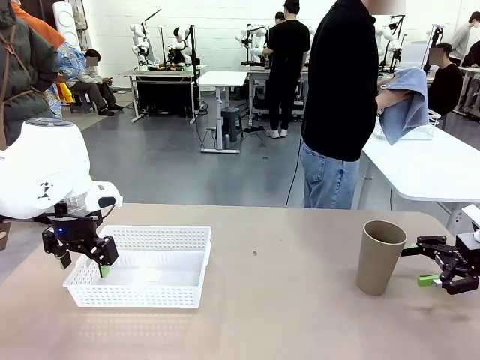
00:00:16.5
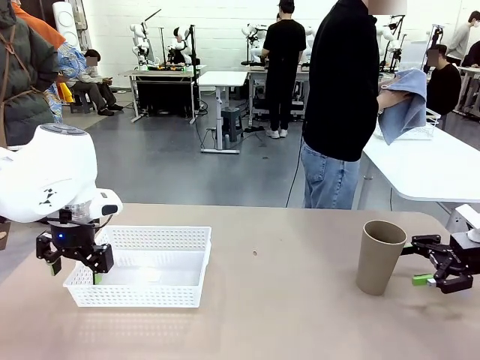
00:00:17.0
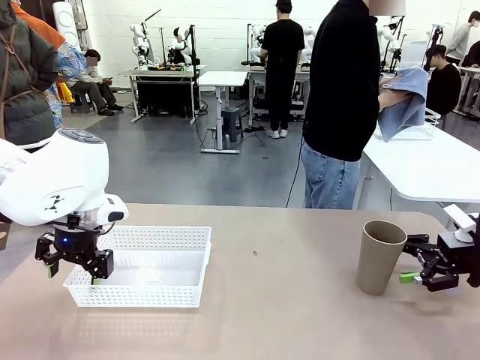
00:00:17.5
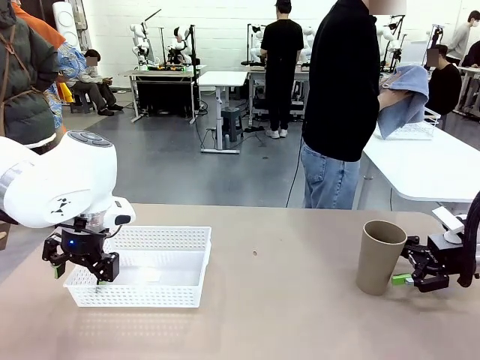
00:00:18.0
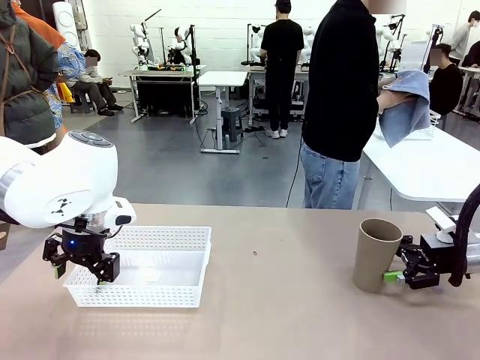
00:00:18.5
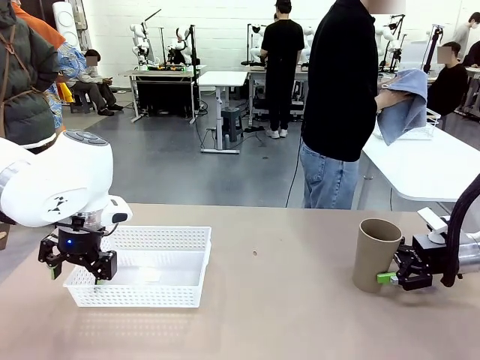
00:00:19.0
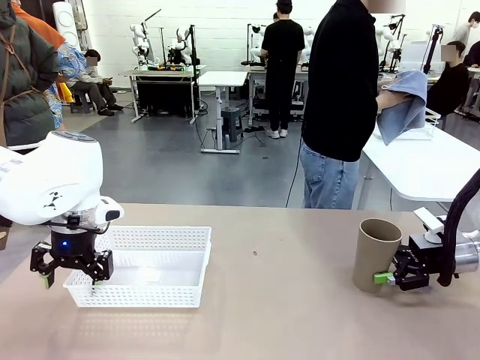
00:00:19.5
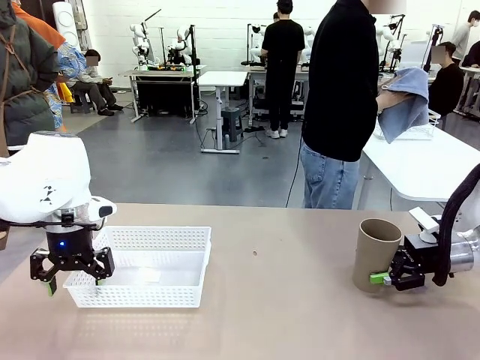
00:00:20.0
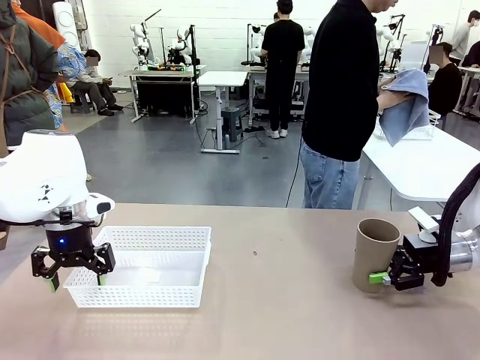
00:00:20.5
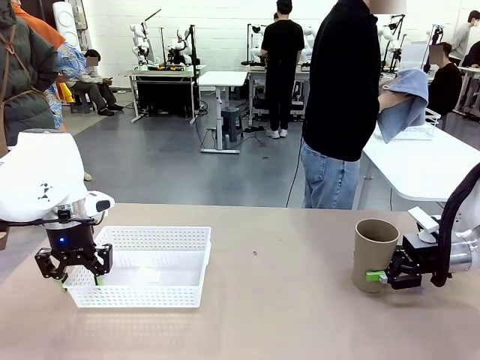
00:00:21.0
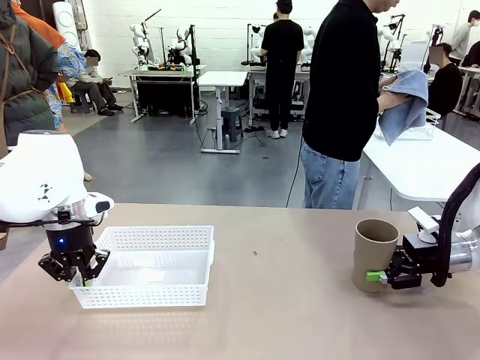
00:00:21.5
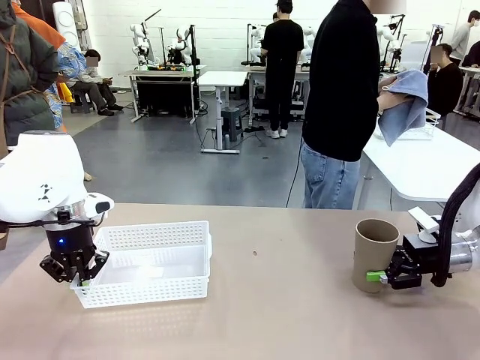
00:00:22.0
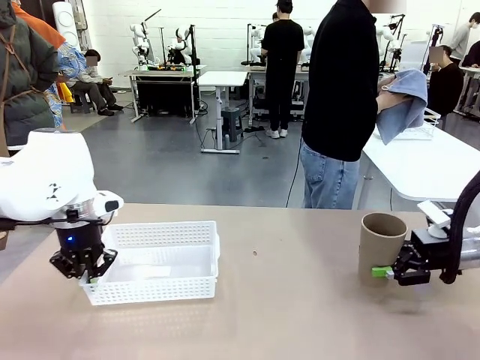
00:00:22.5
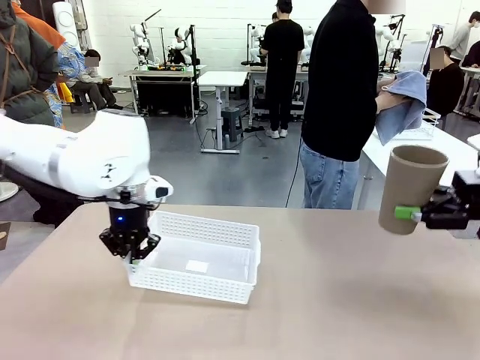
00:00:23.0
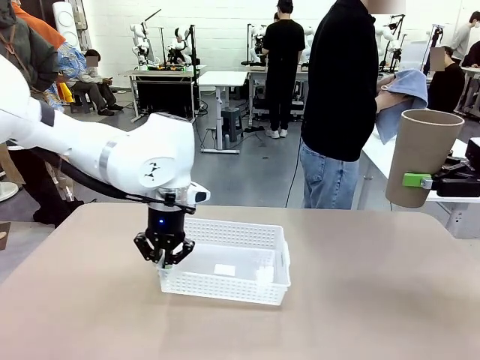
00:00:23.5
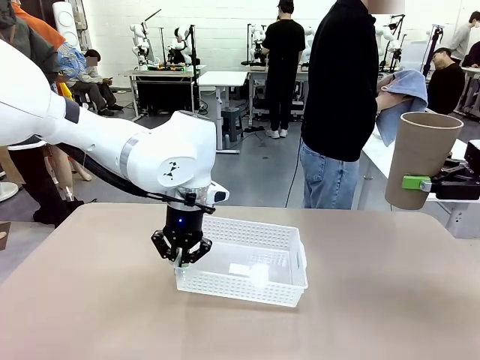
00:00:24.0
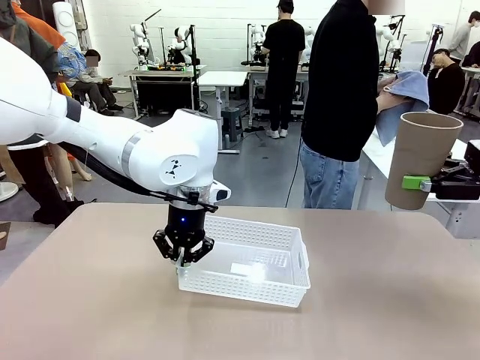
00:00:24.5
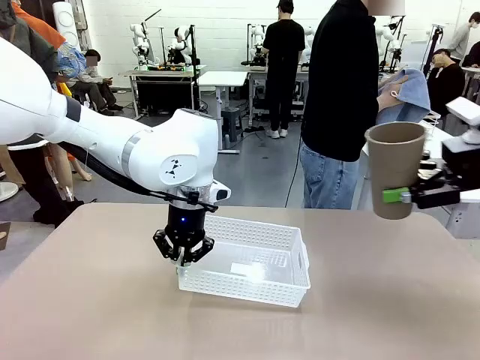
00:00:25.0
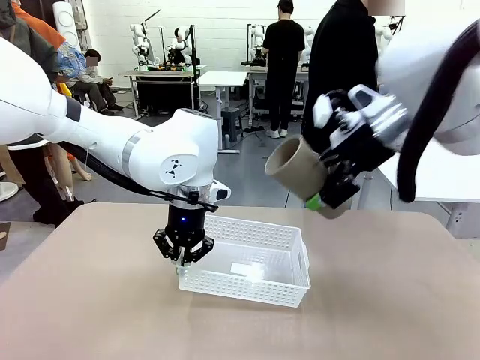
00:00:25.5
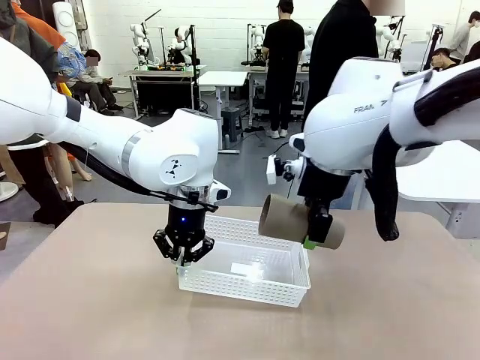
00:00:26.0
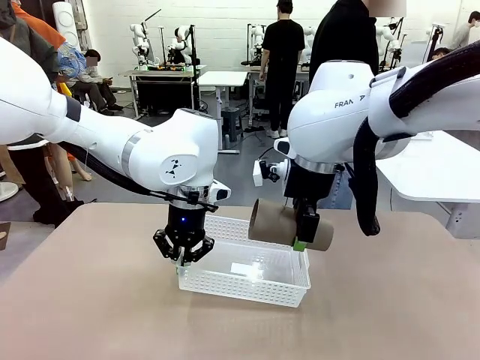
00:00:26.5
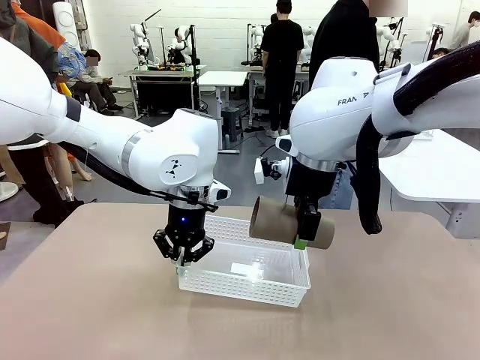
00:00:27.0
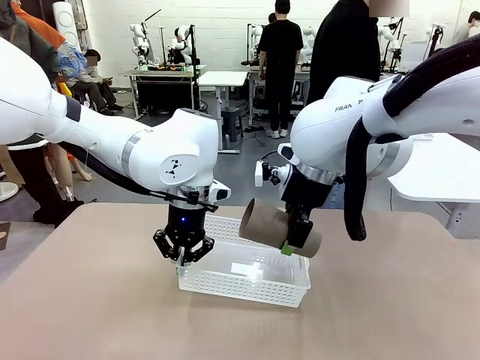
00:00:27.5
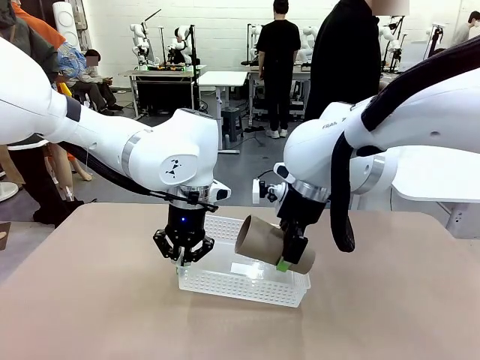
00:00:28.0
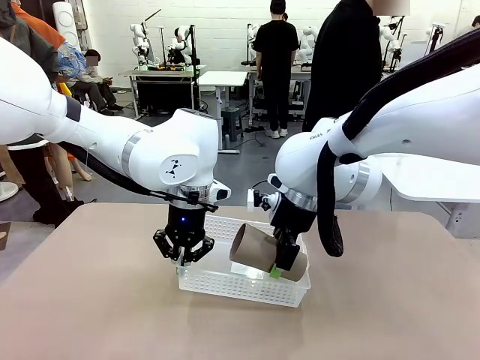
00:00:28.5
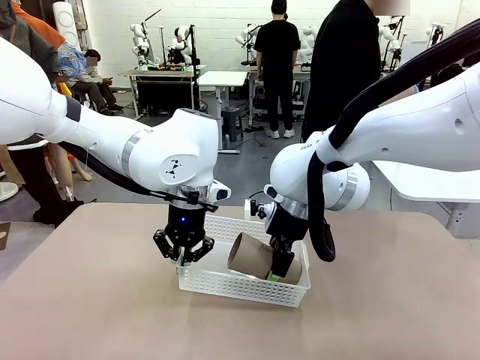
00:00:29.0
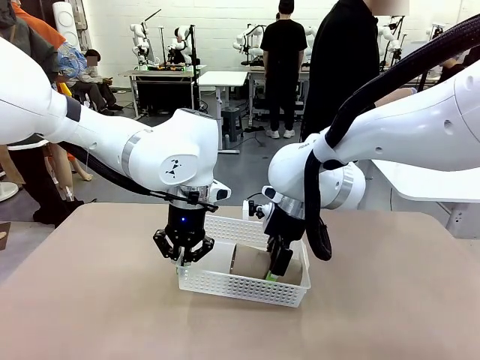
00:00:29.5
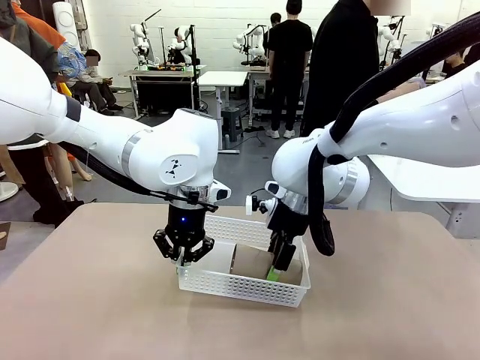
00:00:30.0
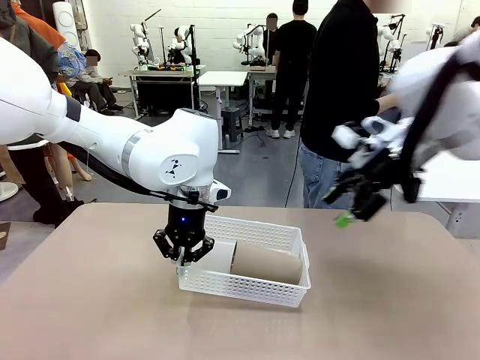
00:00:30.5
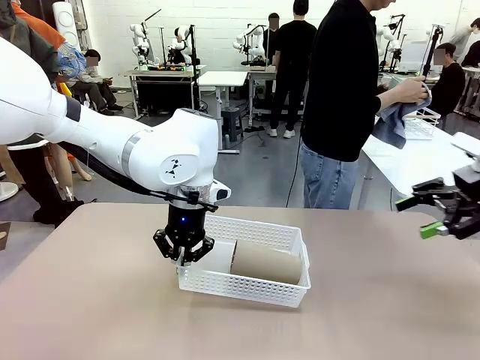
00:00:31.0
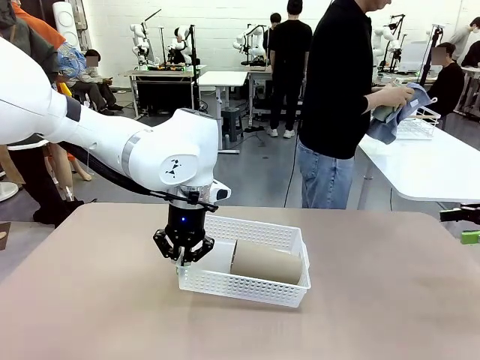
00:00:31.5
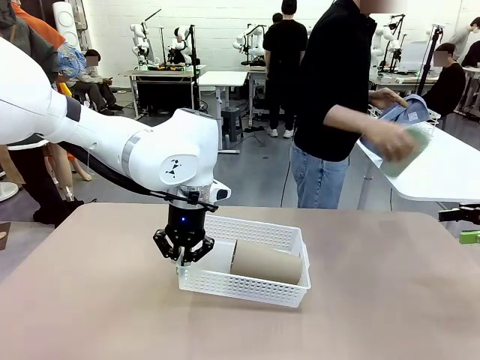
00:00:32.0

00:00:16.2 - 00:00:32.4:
Task: Clean and organize the cups into the basket.
Robot: Pick up the Organizing basket and move it to the center of the table, then pick up the Reusable plastic cup from the right side of the table and place it inside the Organizing basket.
